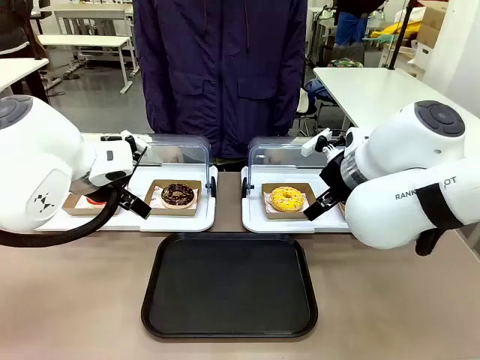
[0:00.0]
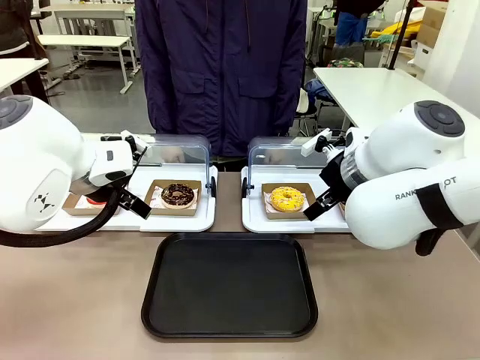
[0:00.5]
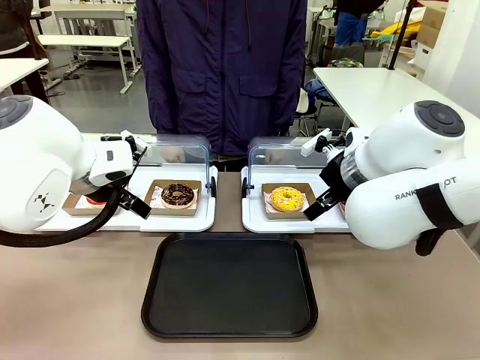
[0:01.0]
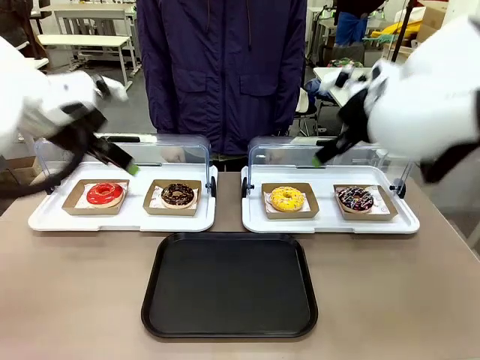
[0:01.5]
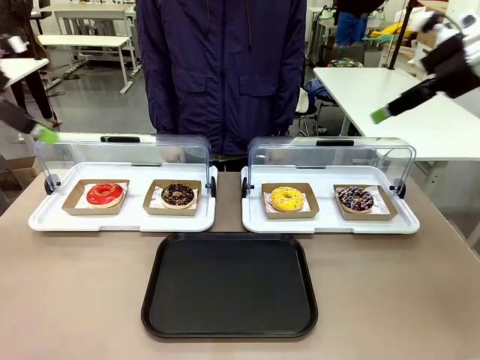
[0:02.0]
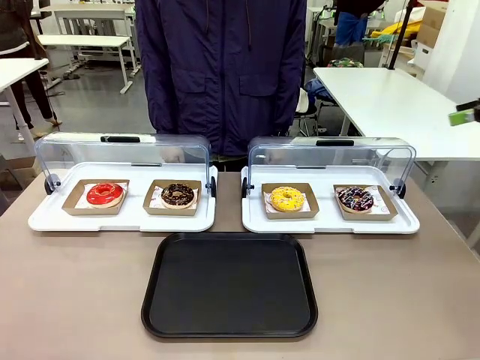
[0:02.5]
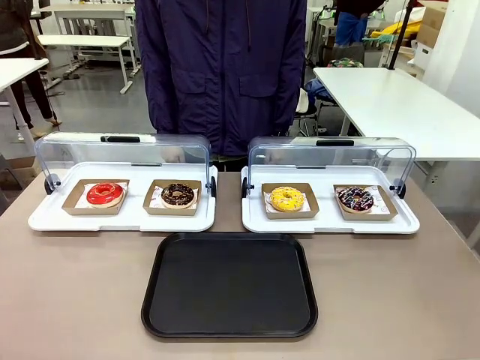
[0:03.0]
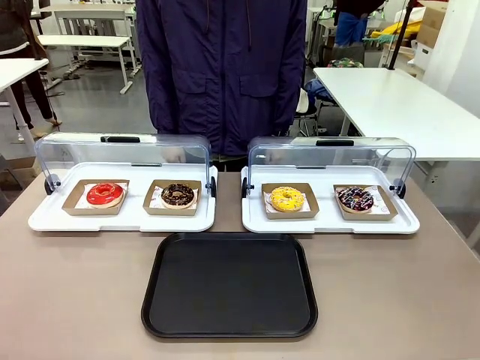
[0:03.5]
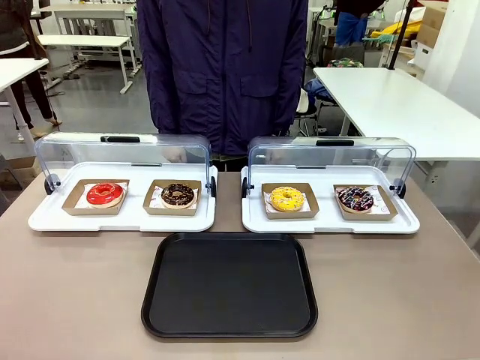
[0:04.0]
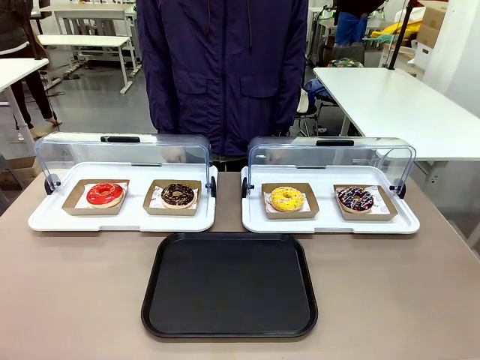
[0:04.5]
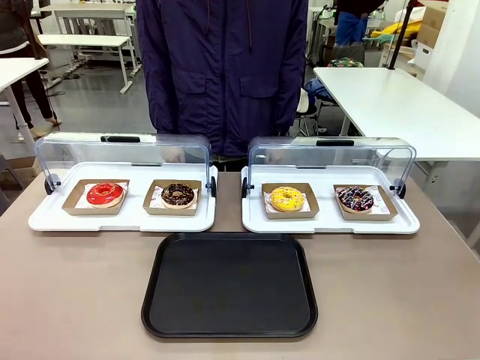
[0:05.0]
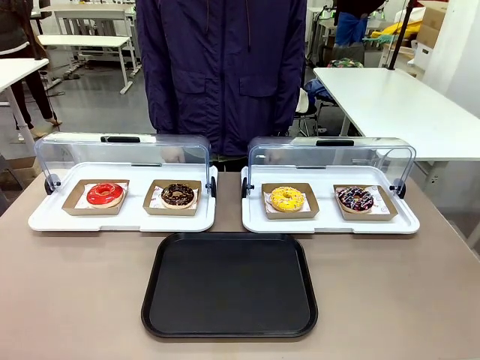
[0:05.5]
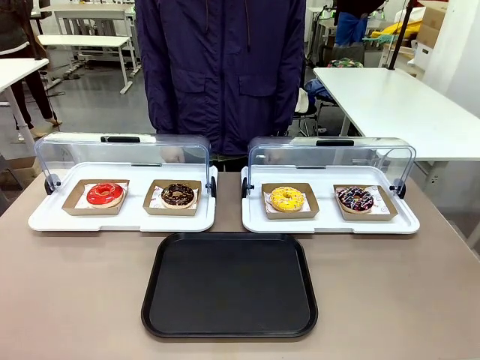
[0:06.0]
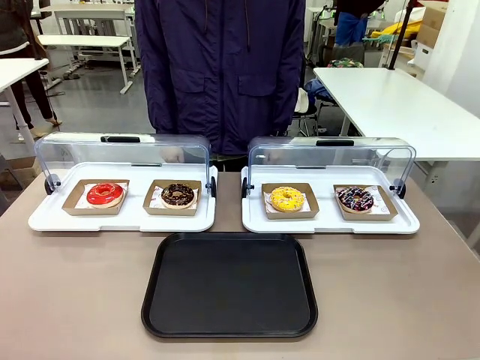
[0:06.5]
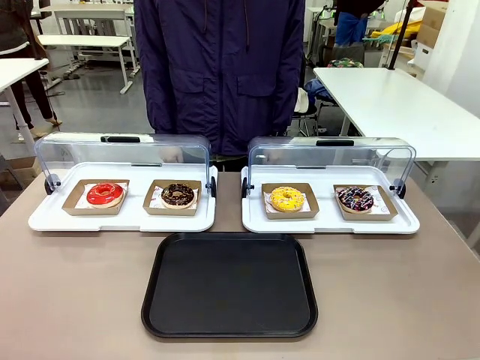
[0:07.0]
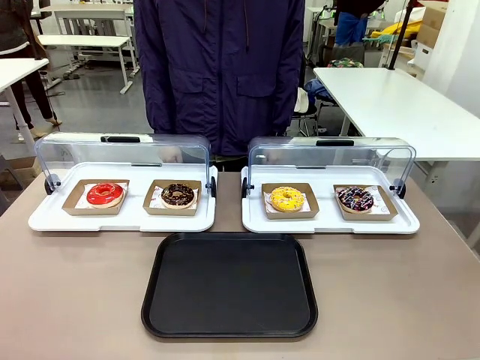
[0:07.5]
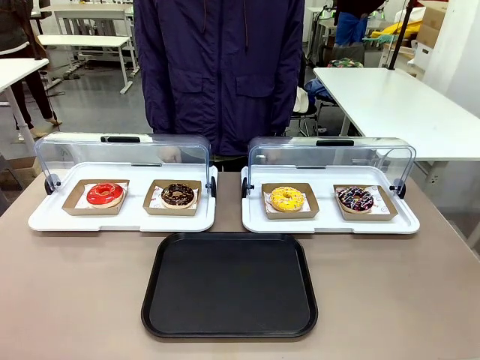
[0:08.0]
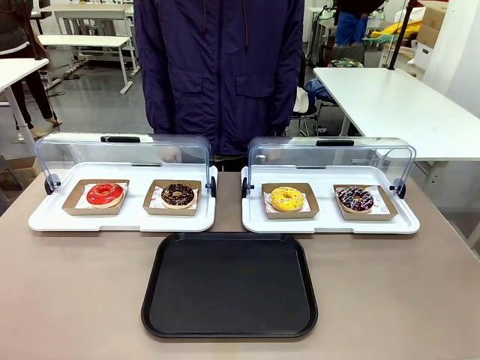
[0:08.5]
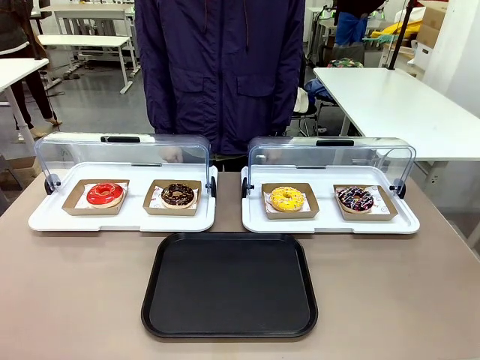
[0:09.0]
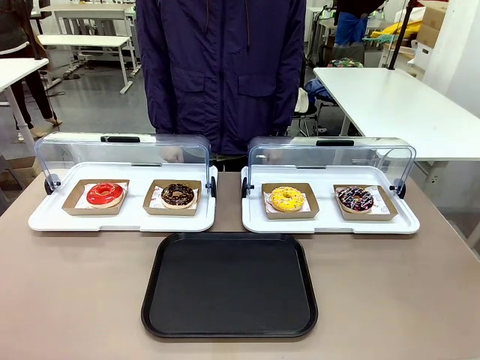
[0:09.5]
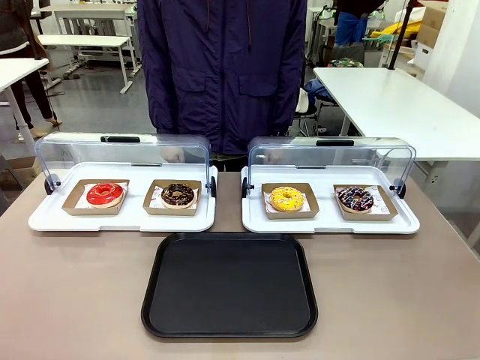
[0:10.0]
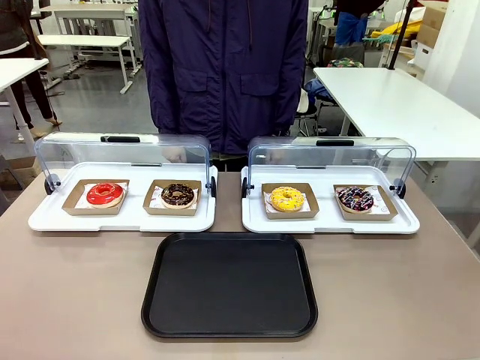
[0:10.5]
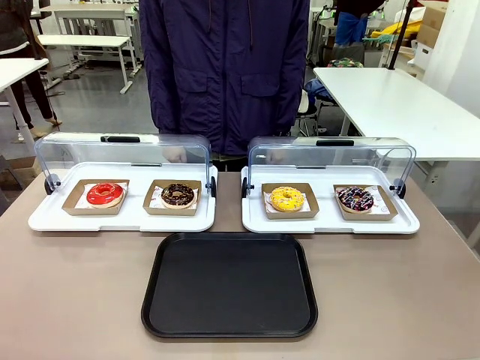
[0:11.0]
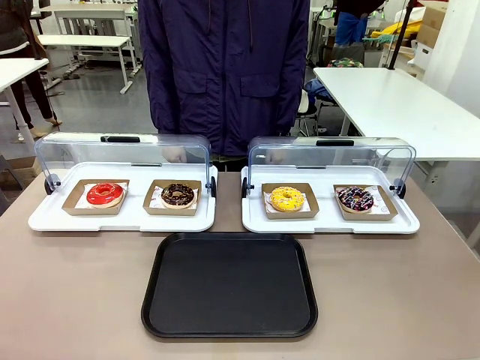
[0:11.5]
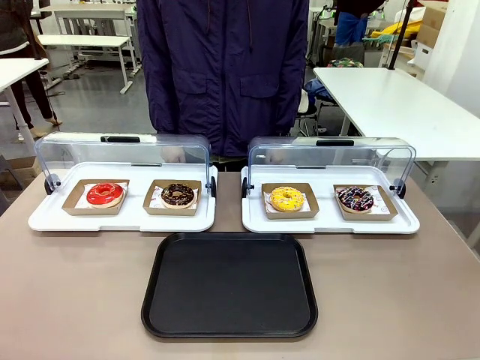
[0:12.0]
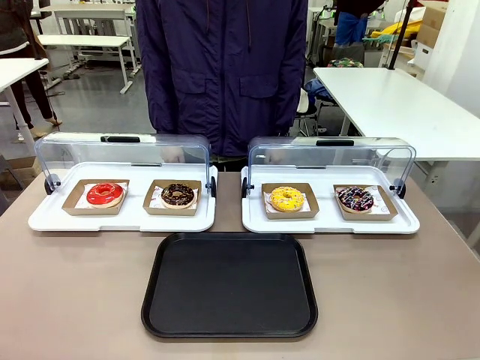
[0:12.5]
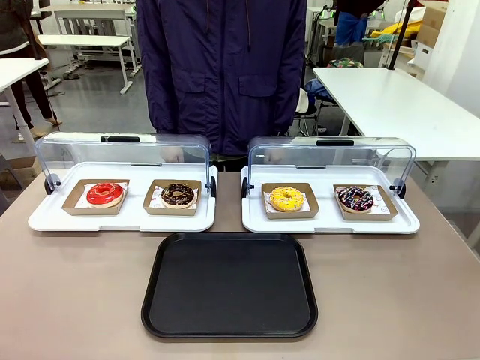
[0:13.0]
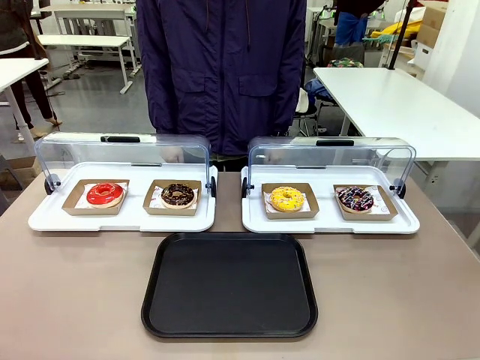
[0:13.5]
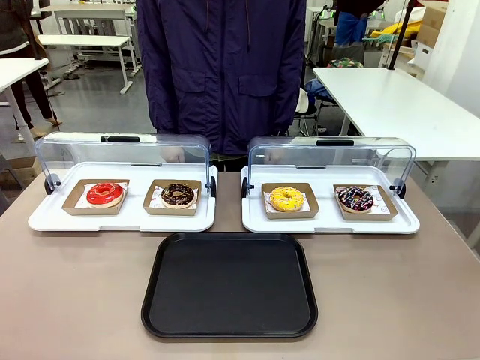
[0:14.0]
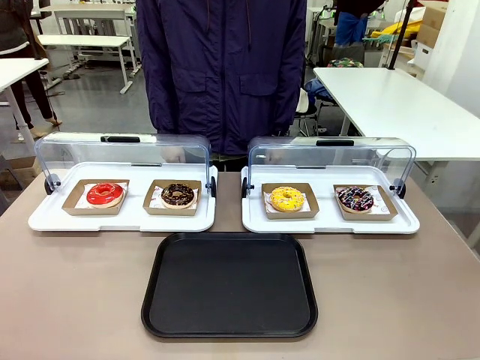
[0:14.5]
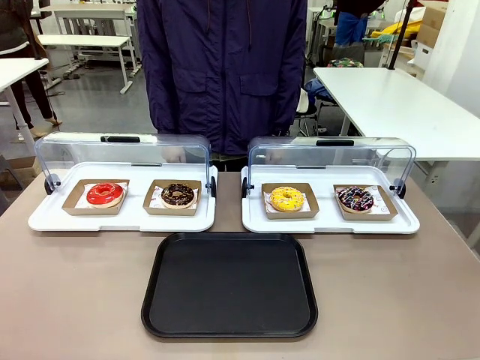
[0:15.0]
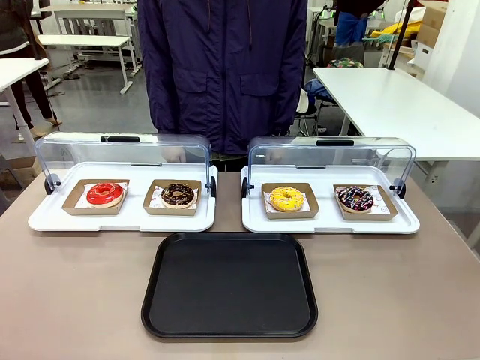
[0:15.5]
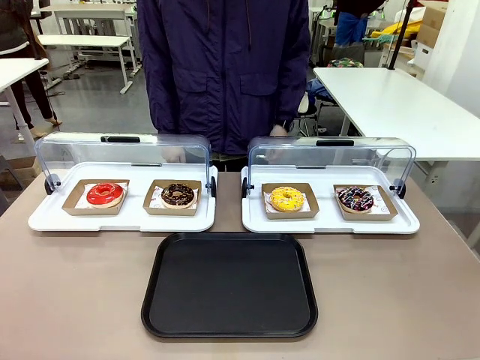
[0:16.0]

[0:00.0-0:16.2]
Task: Move the third donut from the left to the tray.
Robot: Pick up the Paper togo box containing the Donut indicated by the person and place it on the Handle tray.

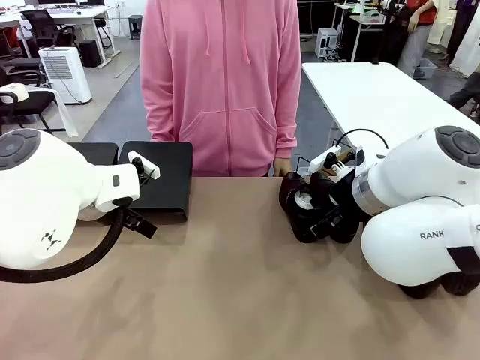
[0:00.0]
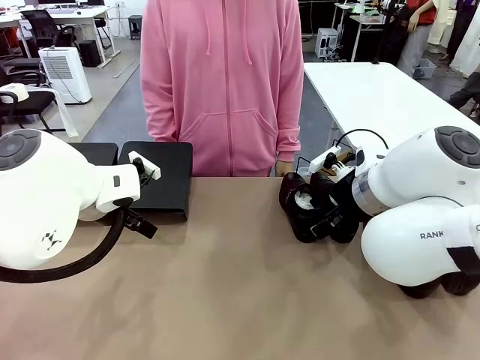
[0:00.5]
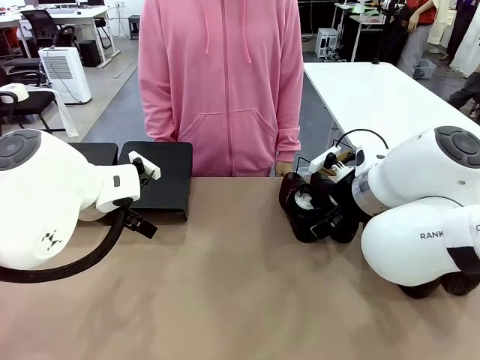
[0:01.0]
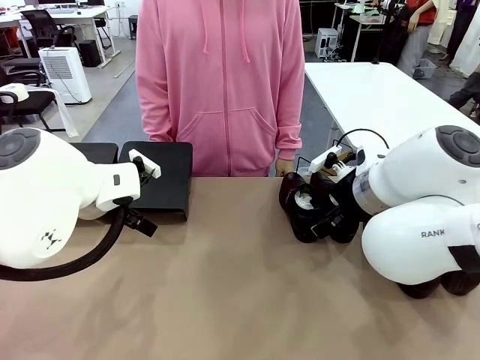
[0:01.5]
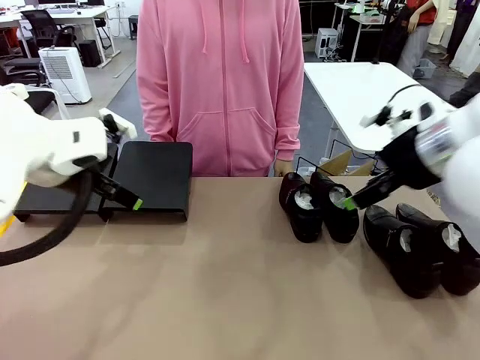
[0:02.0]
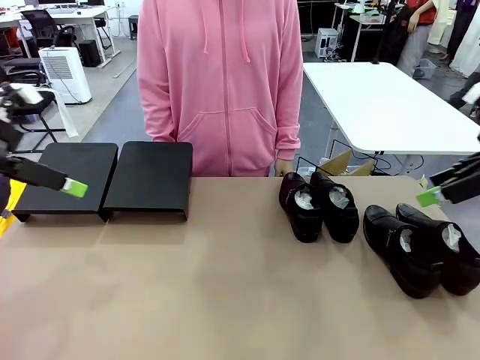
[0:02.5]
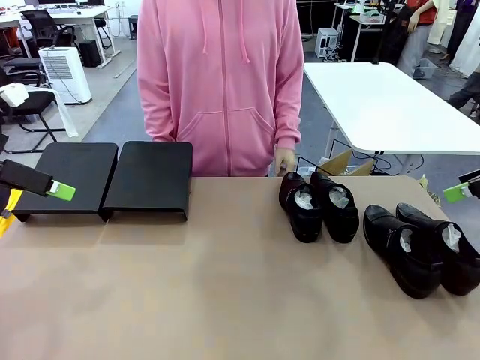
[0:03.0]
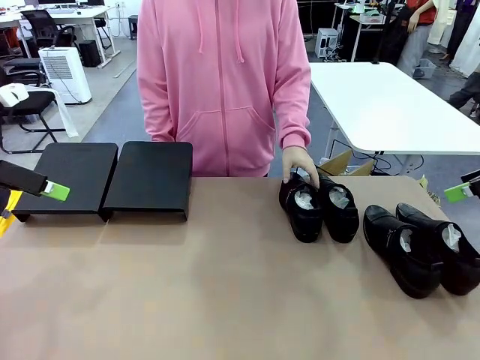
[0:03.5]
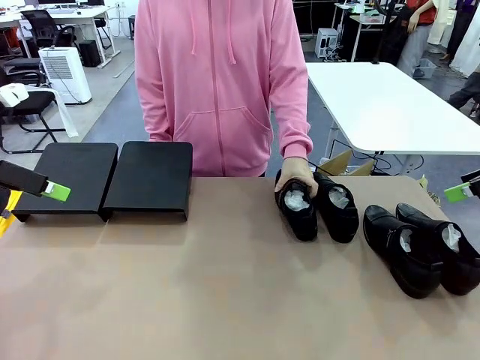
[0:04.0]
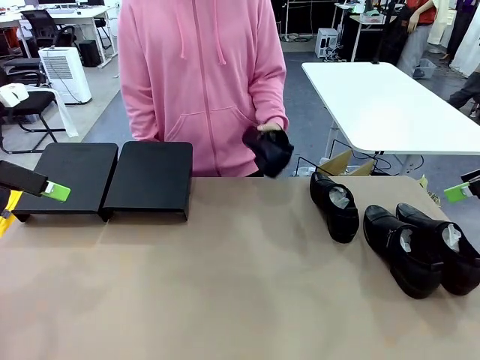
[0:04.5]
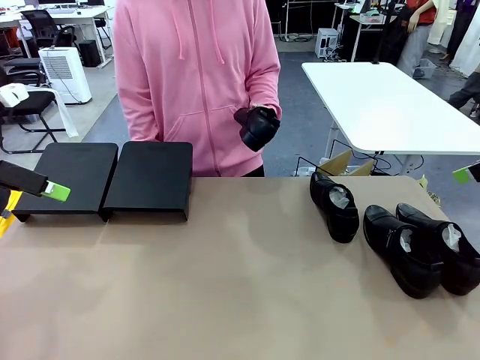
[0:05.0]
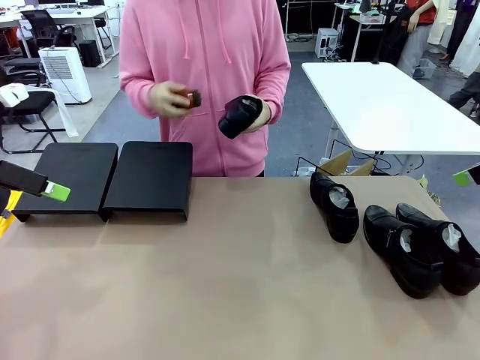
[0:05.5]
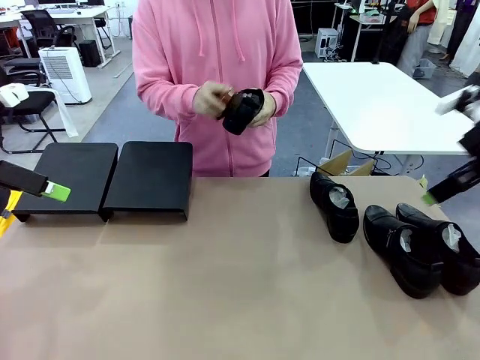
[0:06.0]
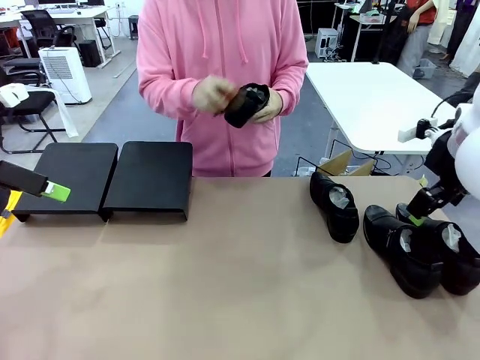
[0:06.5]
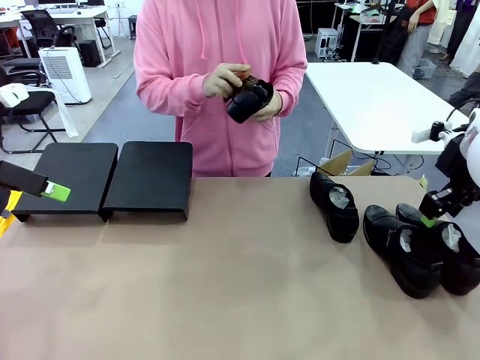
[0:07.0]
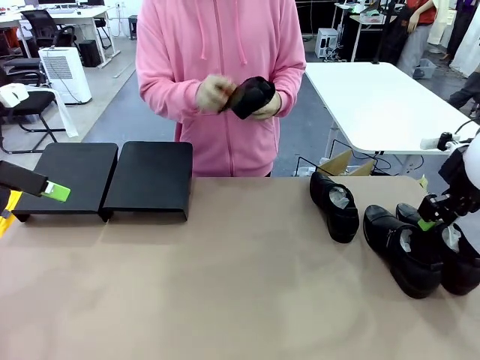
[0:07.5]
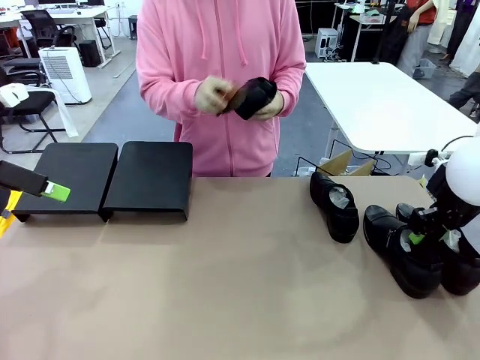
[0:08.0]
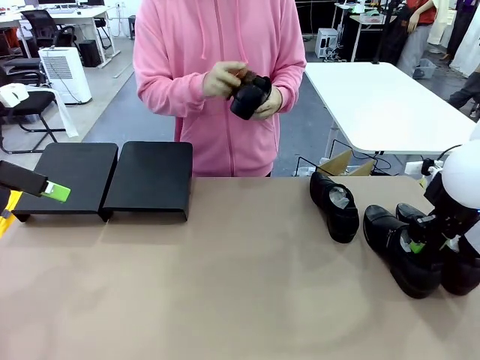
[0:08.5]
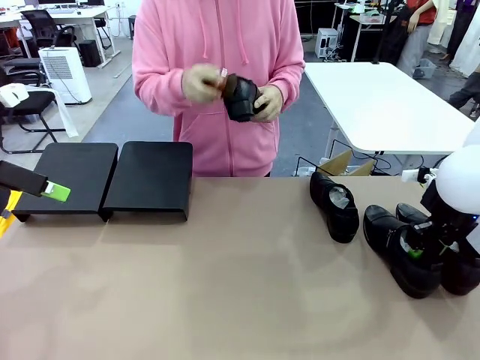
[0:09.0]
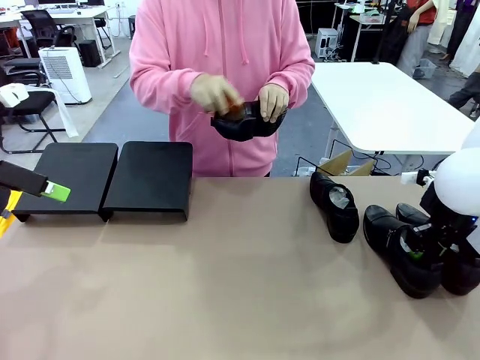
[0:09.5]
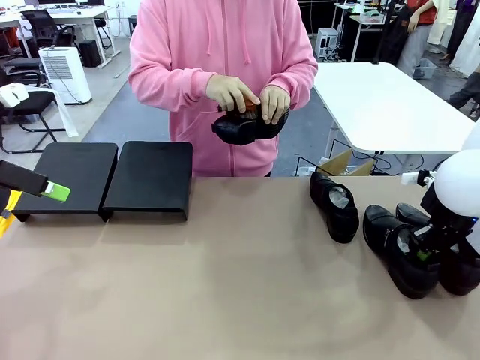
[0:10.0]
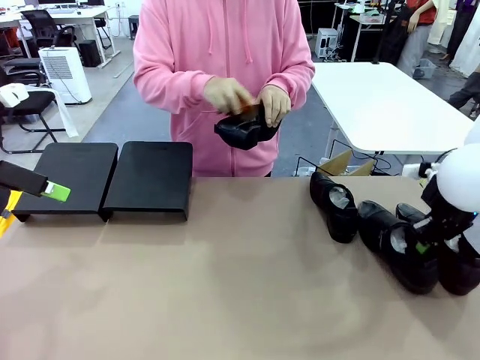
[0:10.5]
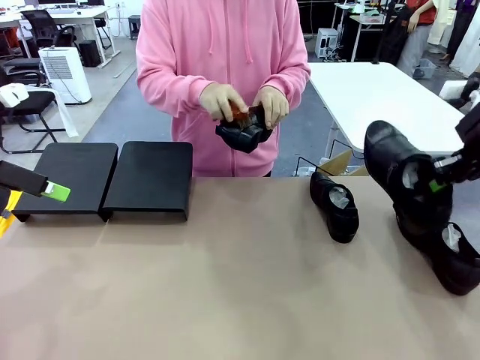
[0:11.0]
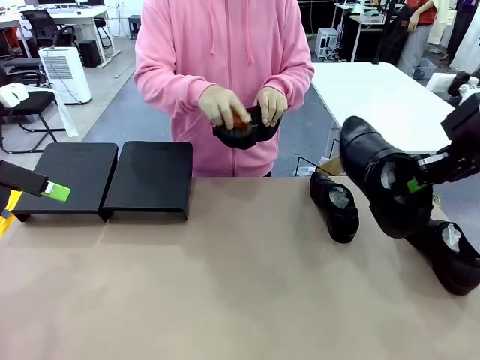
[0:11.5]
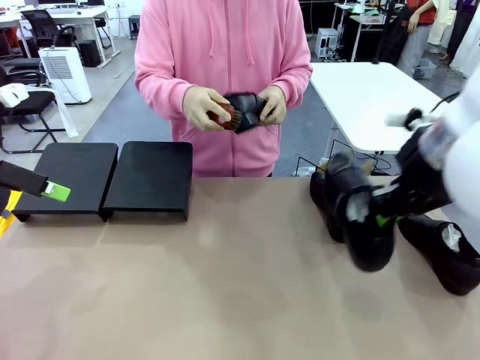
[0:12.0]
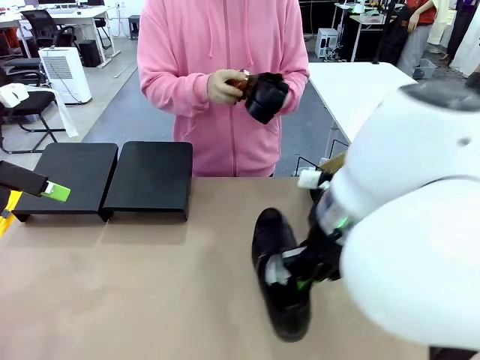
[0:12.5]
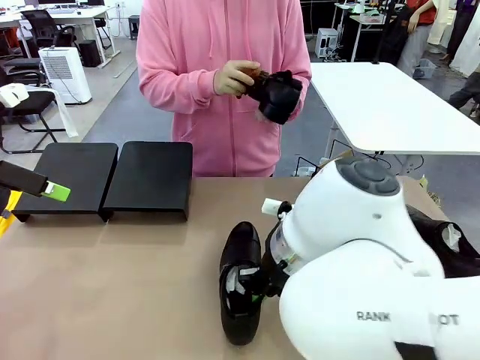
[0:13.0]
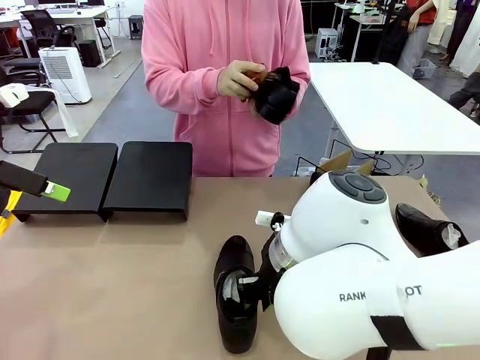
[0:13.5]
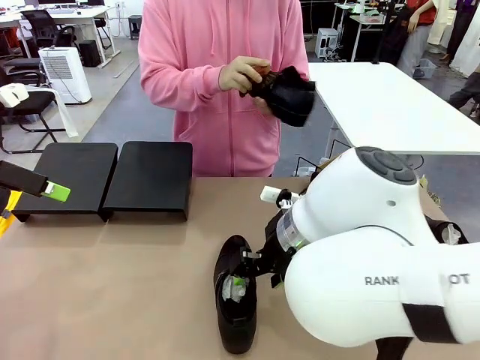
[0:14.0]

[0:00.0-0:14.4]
Task: Organize the shoes by placing them on the stand.
Robot: Pick up one Shoe and place it in the middle of the table.
Person: Pick one Shoe on Robot's table. Clean the Shoe with the Shoe Brush.
